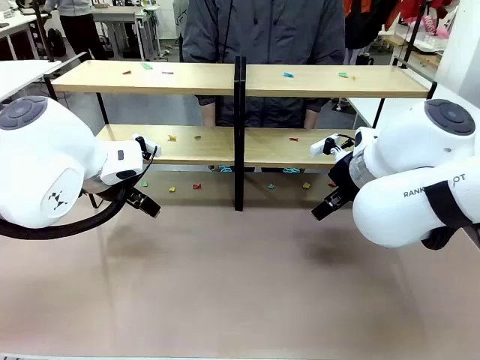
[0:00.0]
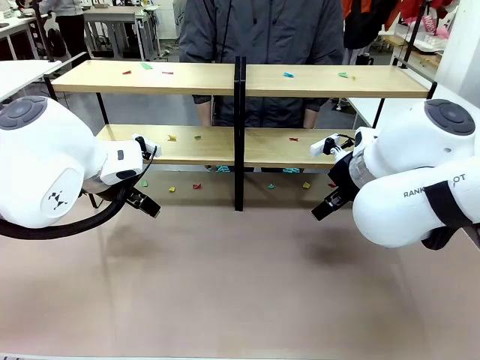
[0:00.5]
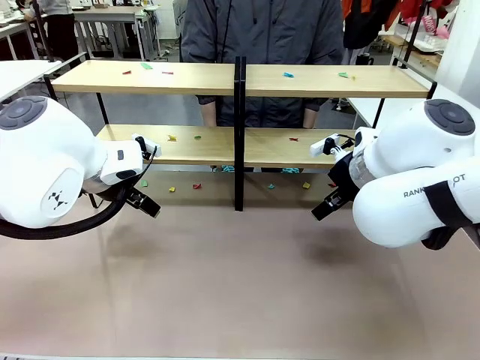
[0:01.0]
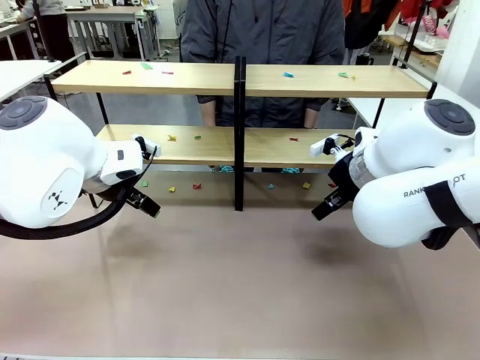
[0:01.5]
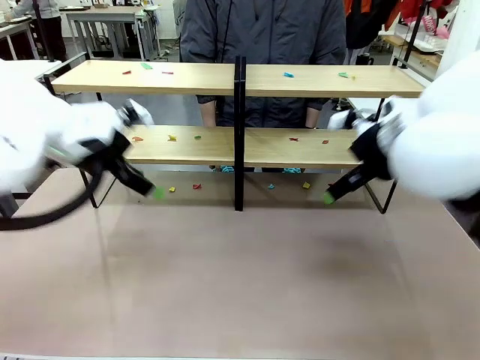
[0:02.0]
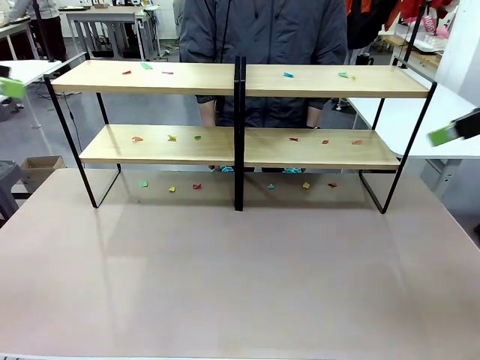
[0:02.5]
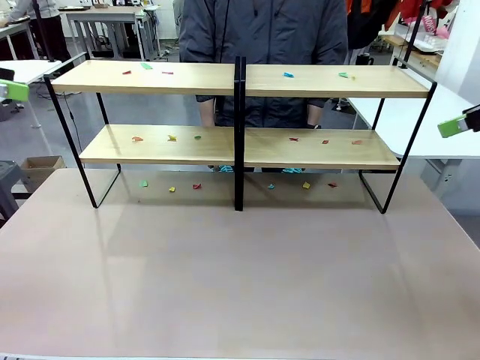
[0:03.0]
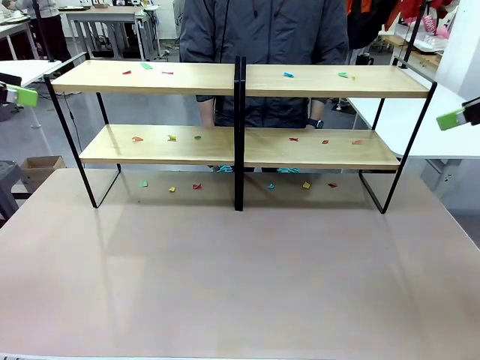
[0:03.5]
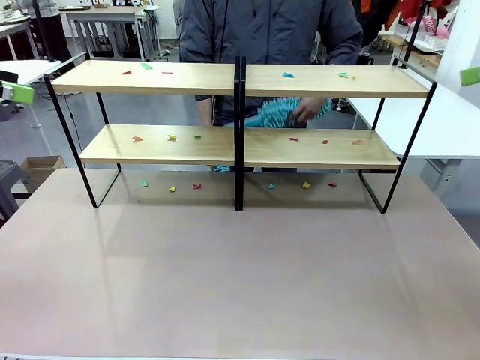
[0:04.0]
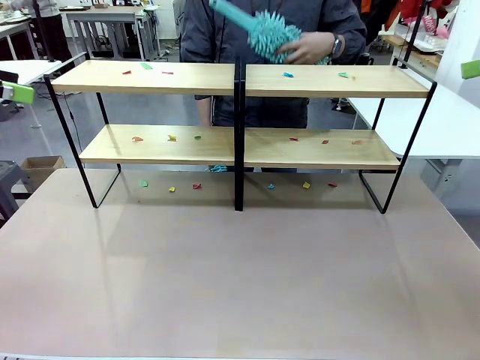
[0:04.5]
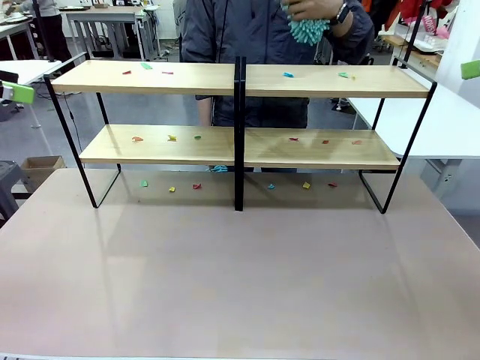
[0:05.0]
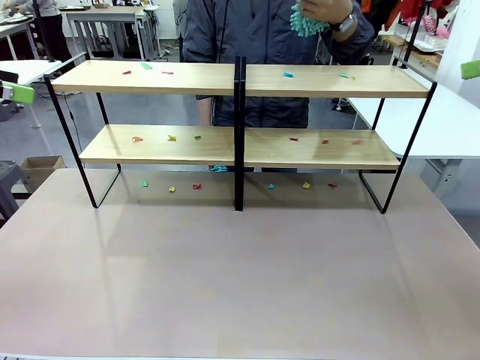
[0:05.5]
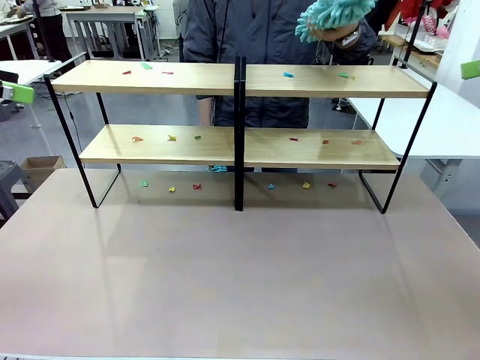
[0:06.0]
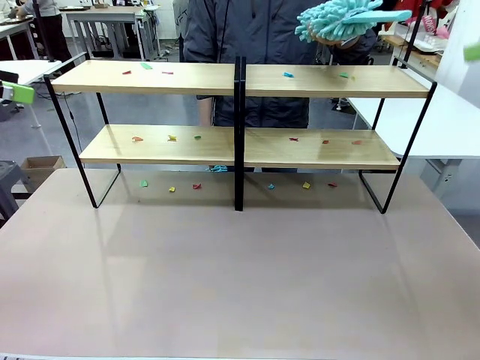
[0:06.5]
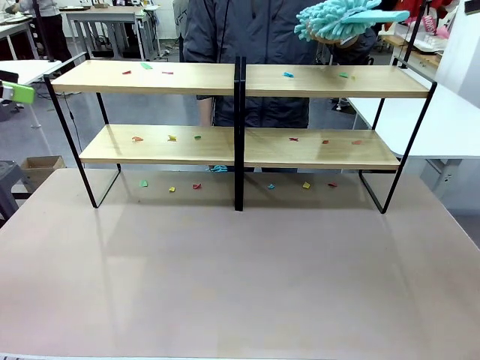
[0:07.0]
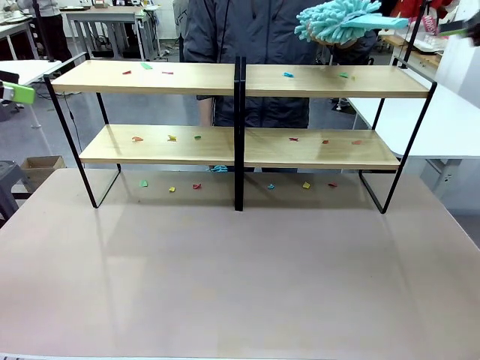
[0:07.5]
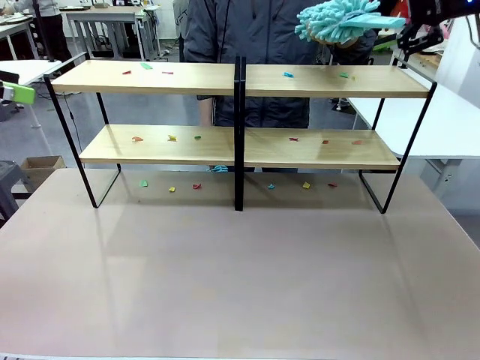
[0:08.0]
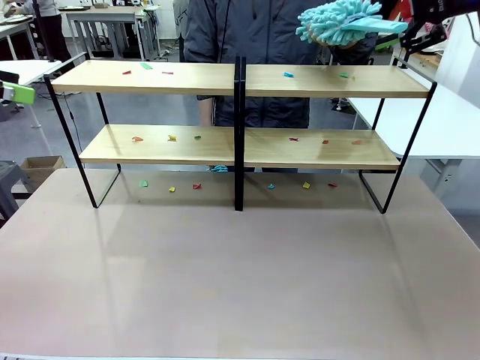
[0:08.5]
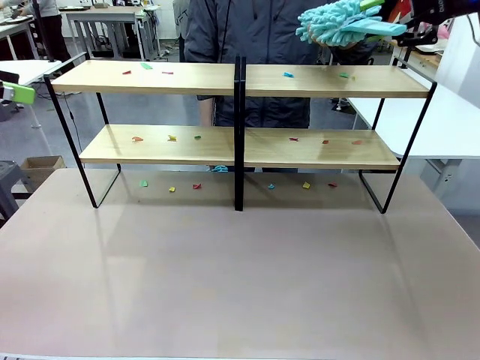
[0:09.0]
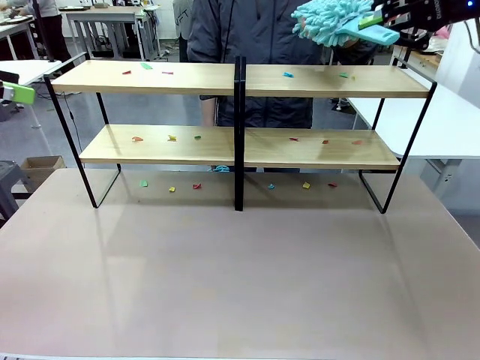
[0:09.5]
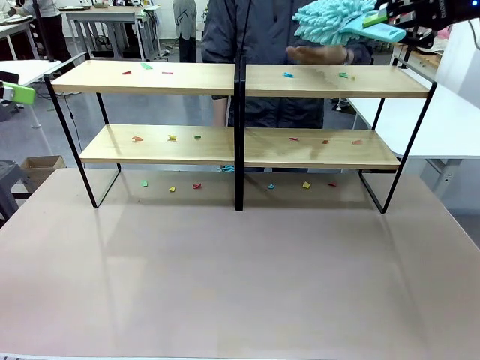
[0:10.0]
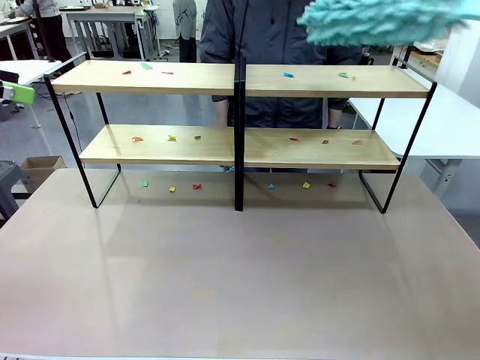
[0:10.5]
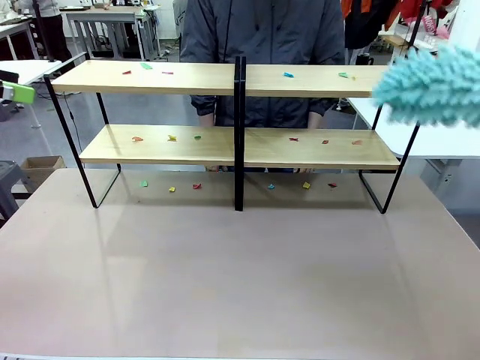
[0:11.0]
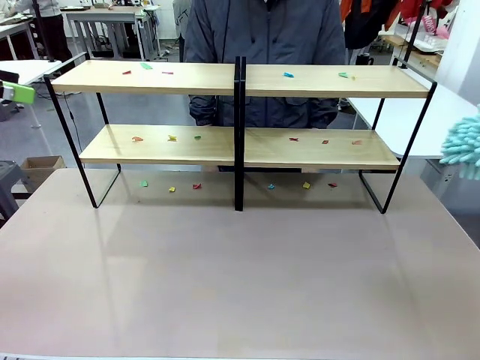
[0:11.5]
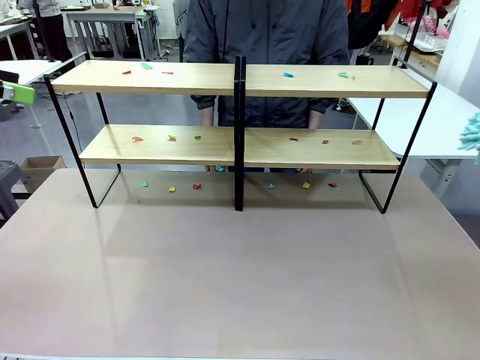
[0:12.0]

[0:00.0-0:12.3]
Task: Clean the shelves.
Robot: Pick up the Duster when the human hands it over.
Person: Hand the Duster to the robot with your right (or left) hand.

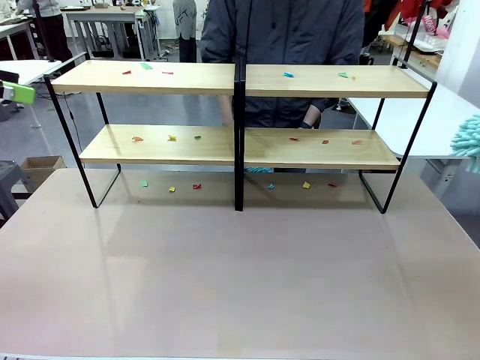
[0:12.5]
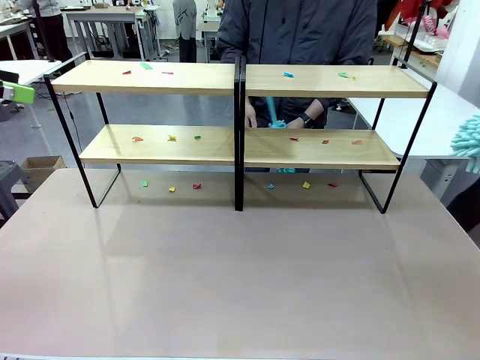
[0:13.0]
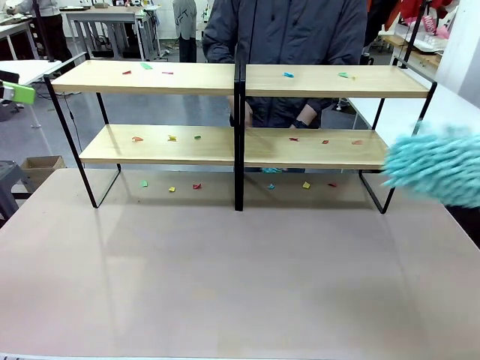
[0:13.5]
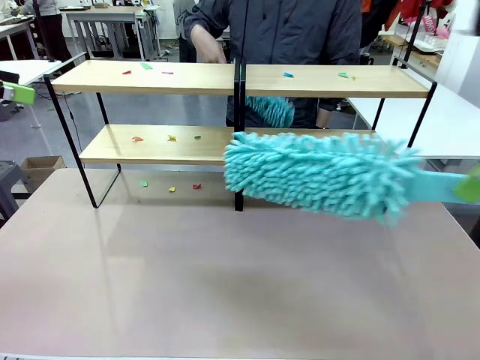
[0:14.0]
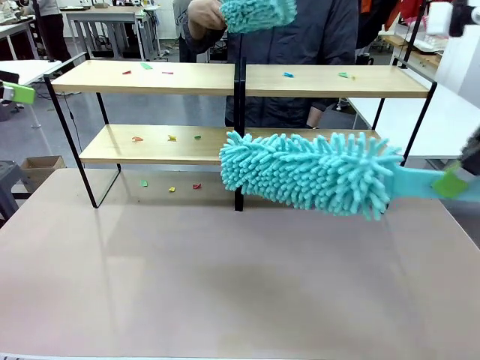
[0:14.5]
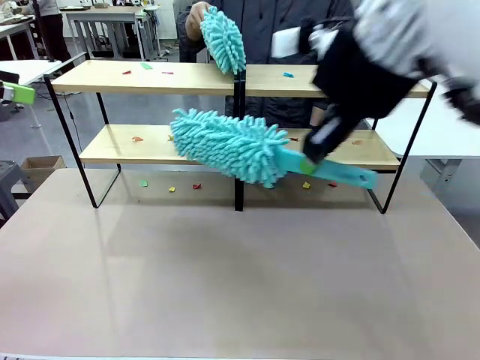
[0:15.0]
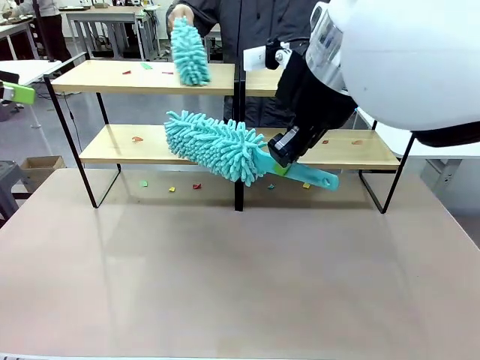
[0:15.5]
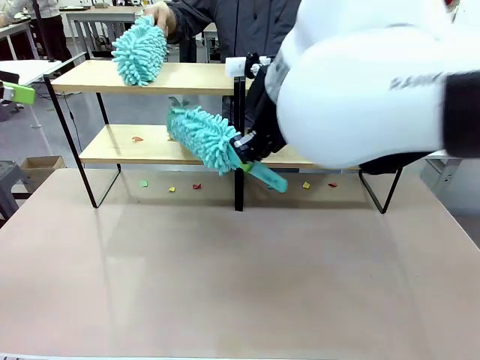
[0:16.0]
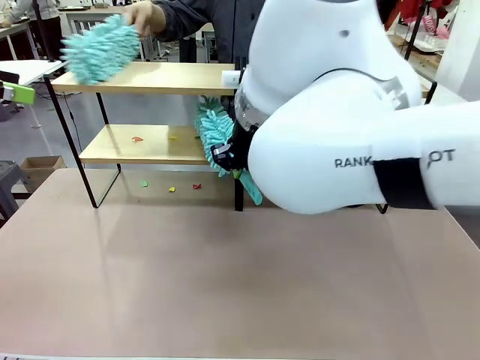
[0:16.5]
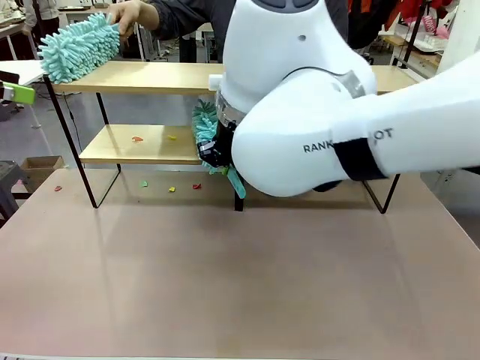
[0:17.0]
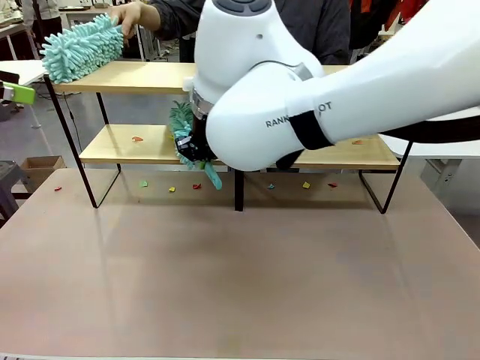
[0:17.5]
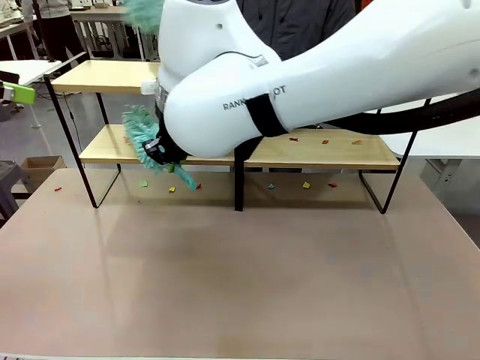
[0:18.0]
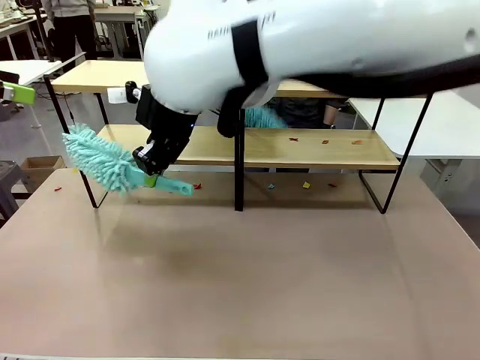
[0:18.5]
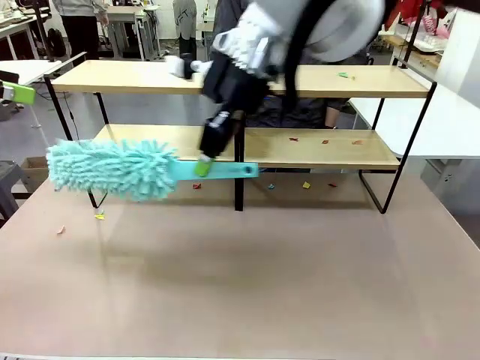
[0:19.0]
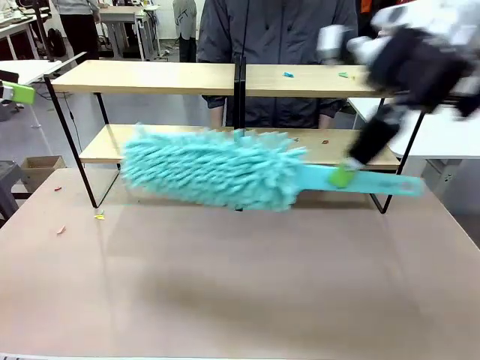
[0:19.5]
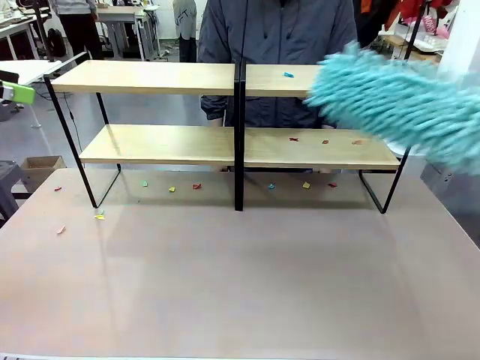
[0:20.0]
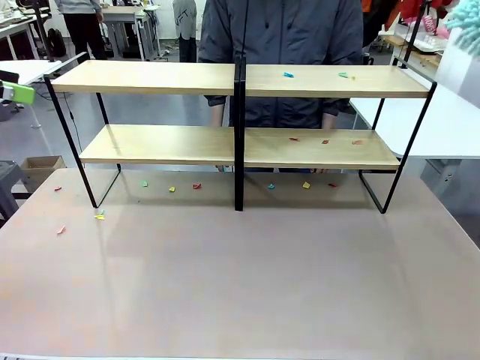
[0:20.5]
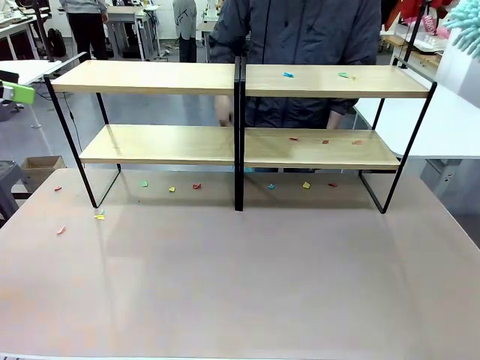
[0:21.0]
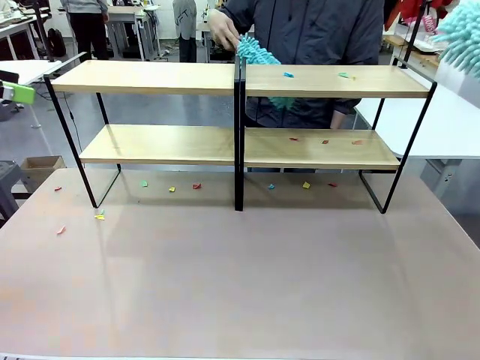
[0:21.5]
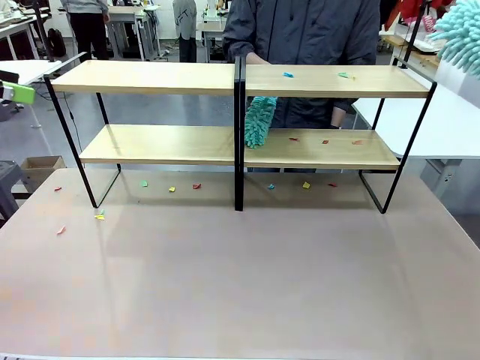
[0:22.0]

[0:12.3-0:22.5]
Robot: Clean a randomly selected level of the Shelf with the Duster.

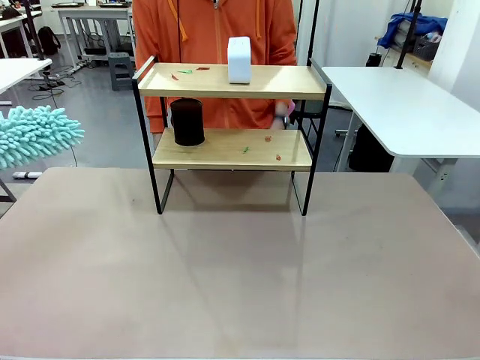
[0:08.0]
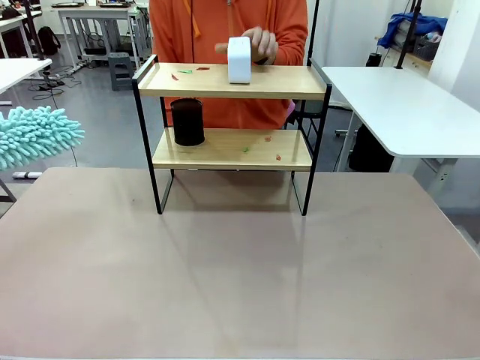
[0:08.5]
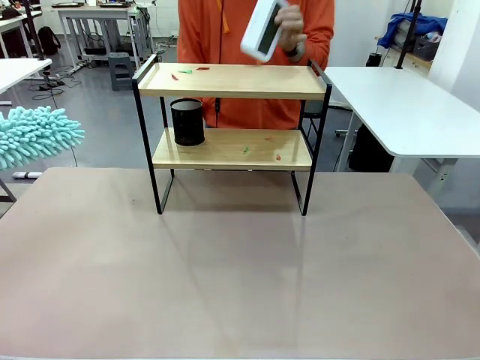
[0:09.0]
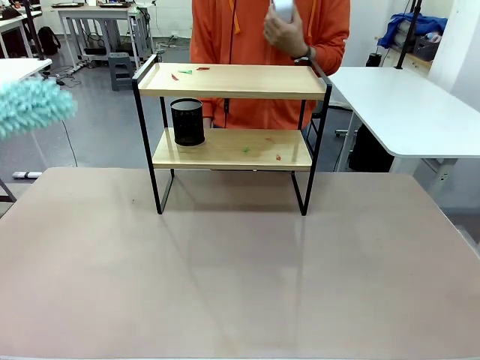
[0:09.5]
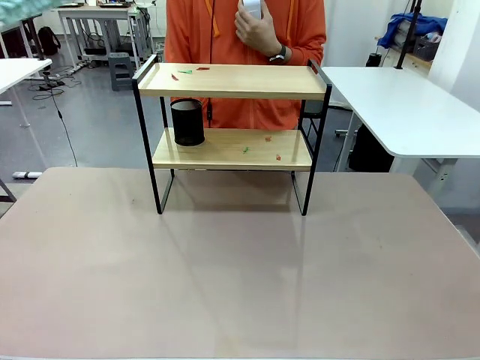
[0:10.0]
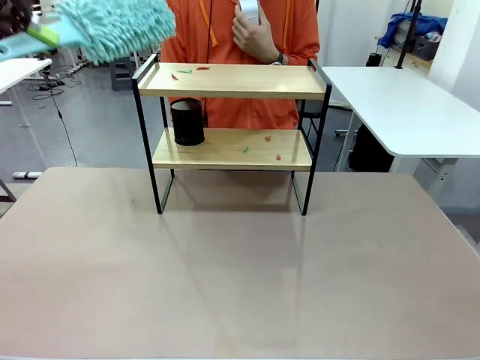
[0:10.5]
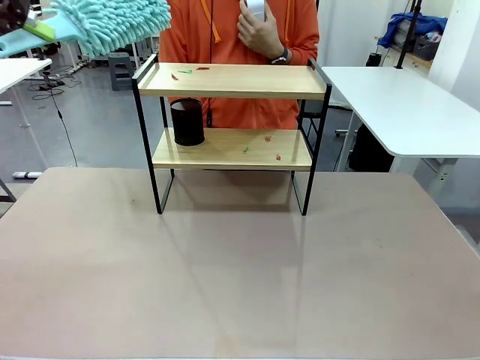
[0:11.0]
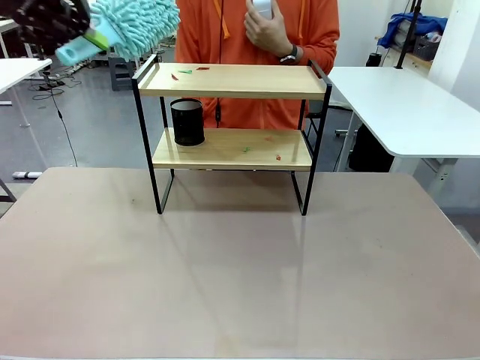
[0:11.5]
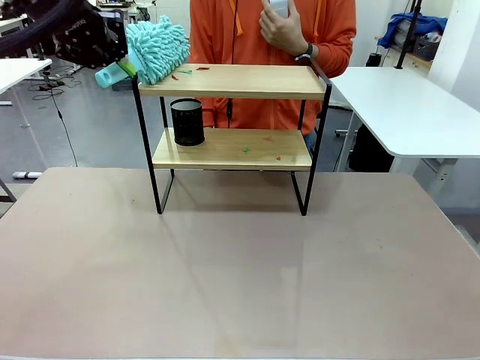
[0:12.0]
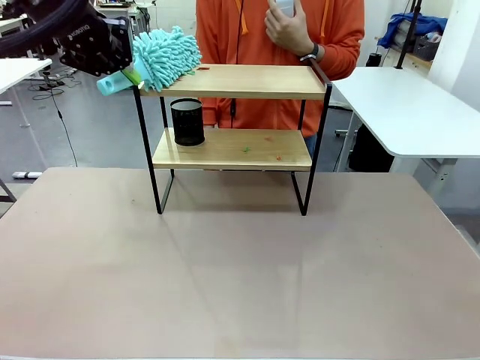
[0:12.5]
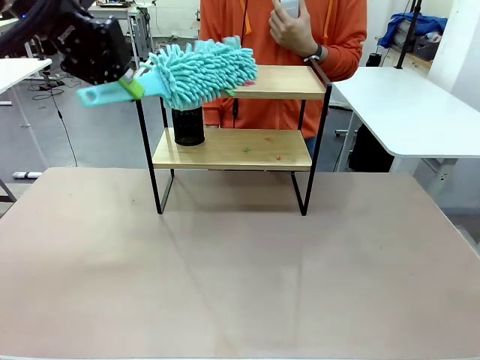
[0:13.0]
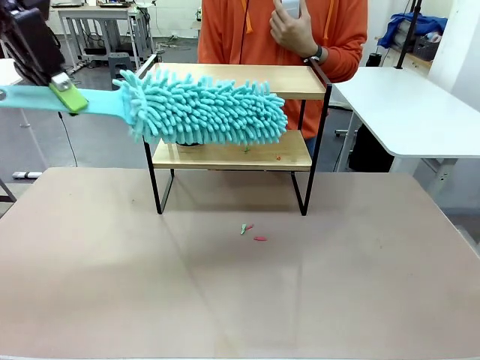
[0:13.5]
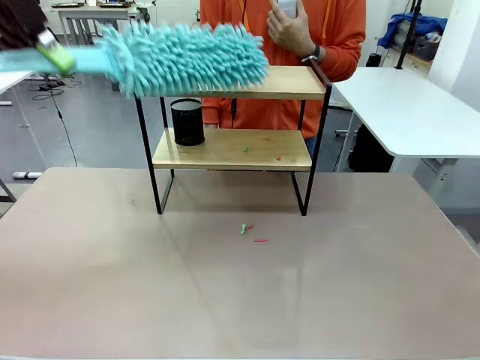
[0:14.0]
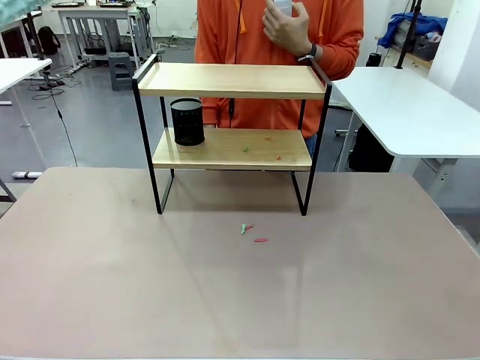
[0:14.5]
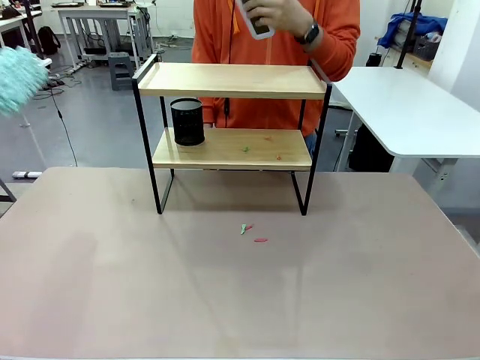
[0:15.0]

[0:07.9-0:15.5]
Task: Clean the shelf.
Robot: Clean the specific tier of the Shelf with the Duster once objects are removed.
Person: Lift the objects on a randomly selected tier of the Shelf. Once the robot finishes cleaning, lift the objects on the remaining tiers of the Shelf.
